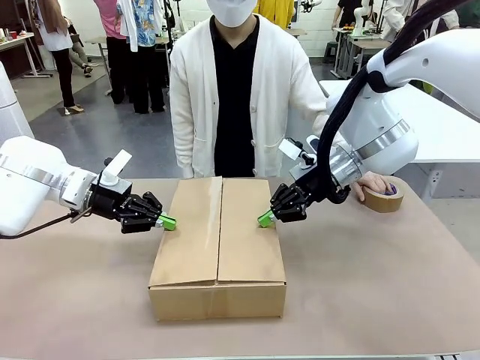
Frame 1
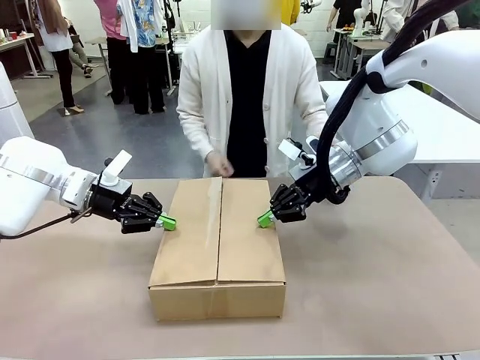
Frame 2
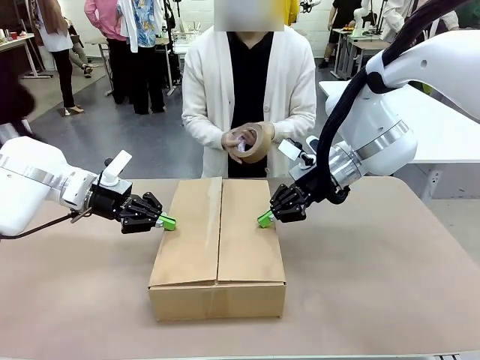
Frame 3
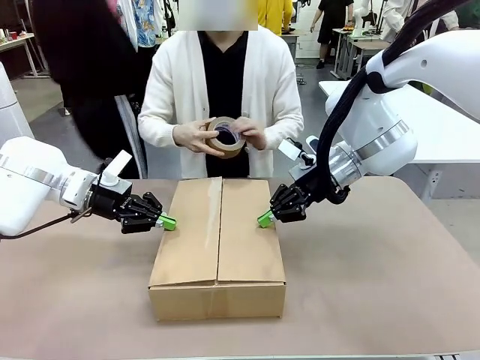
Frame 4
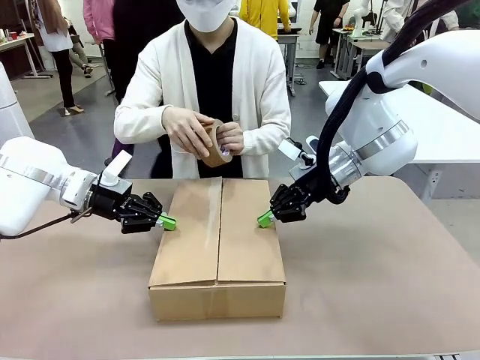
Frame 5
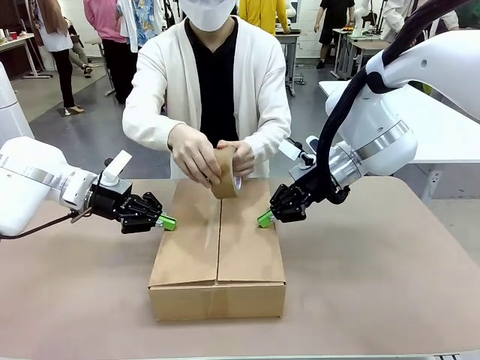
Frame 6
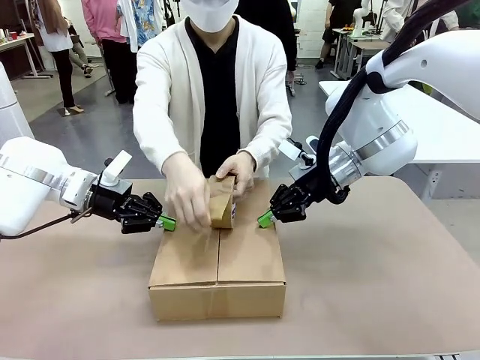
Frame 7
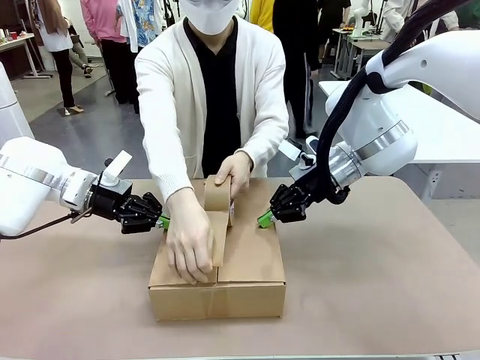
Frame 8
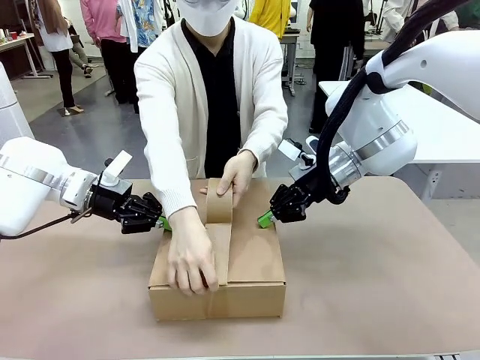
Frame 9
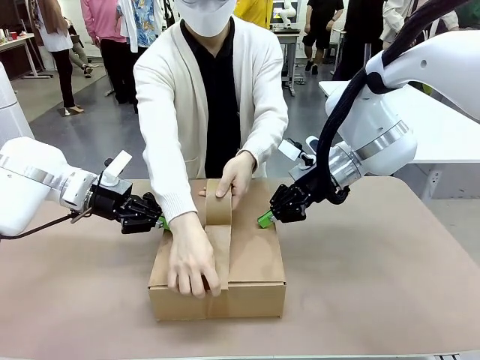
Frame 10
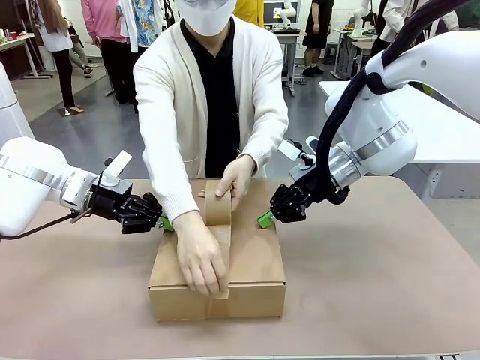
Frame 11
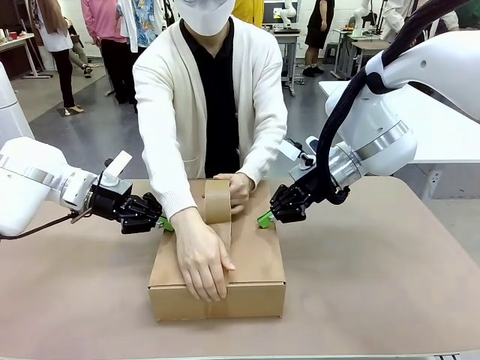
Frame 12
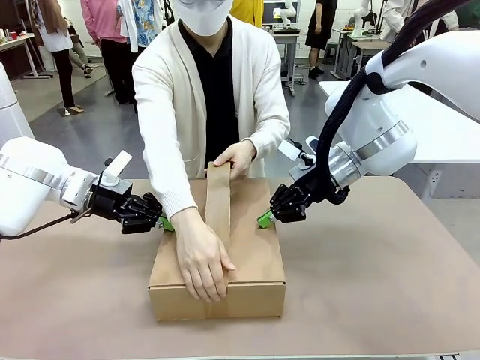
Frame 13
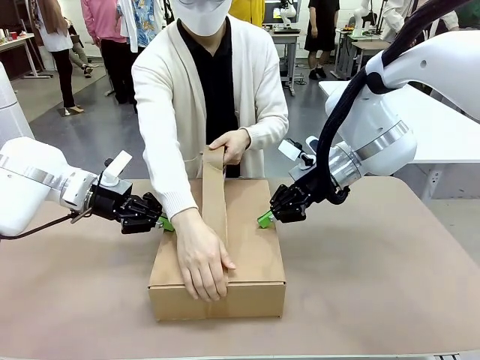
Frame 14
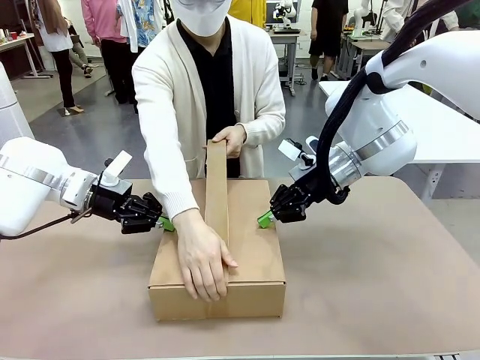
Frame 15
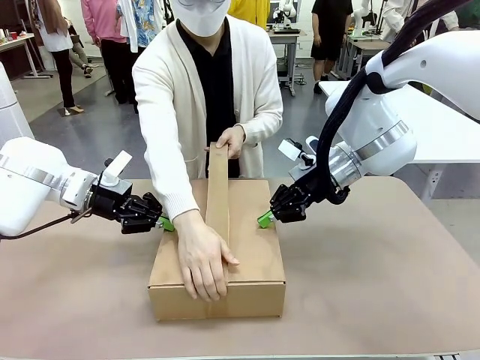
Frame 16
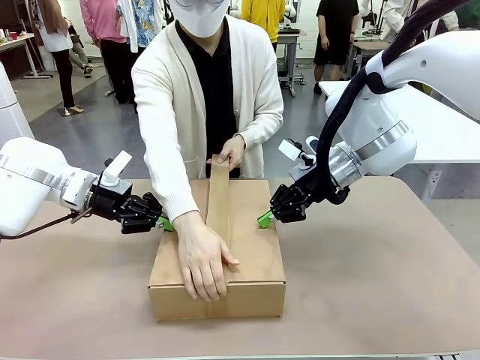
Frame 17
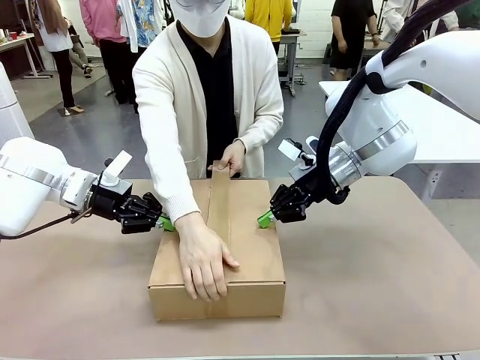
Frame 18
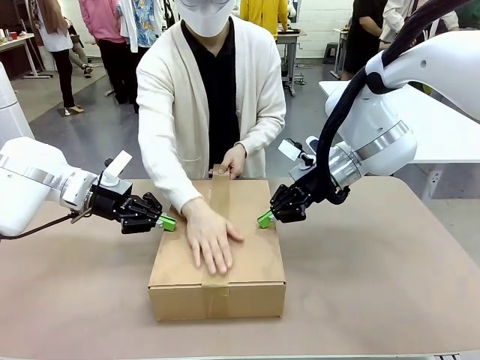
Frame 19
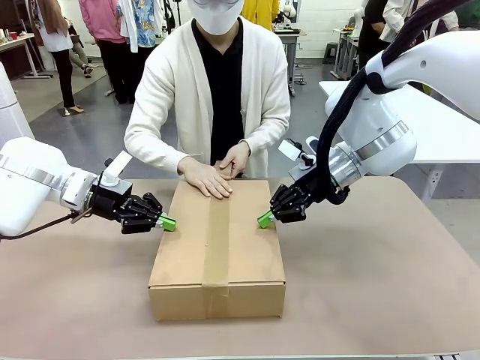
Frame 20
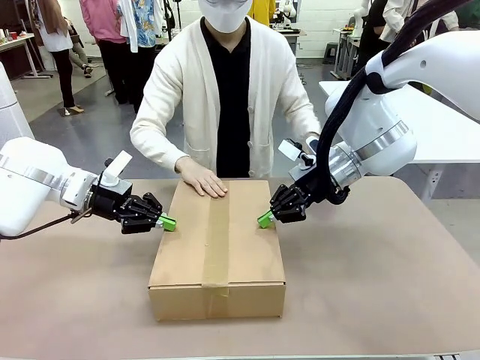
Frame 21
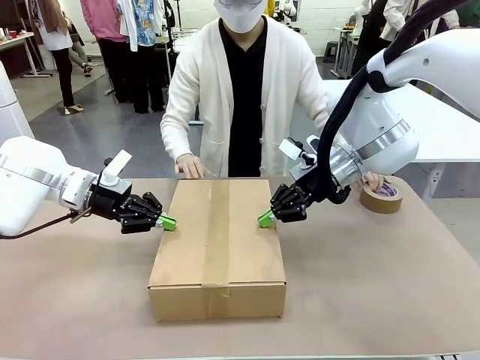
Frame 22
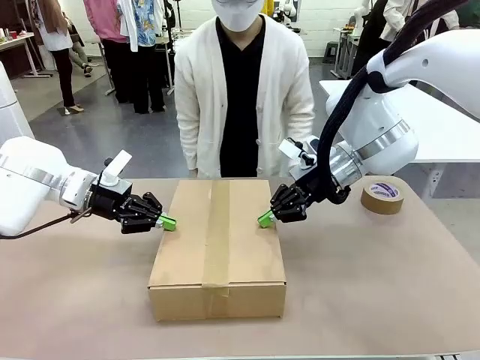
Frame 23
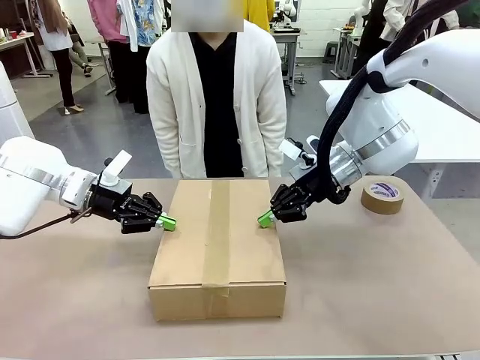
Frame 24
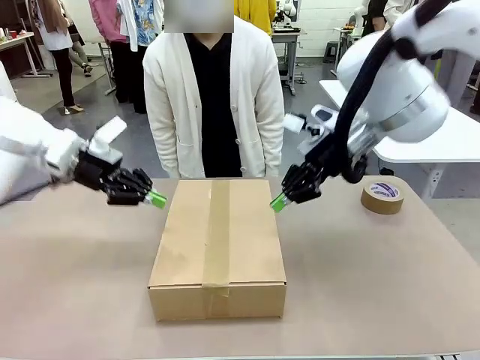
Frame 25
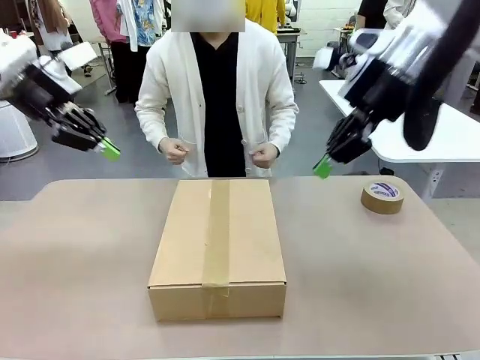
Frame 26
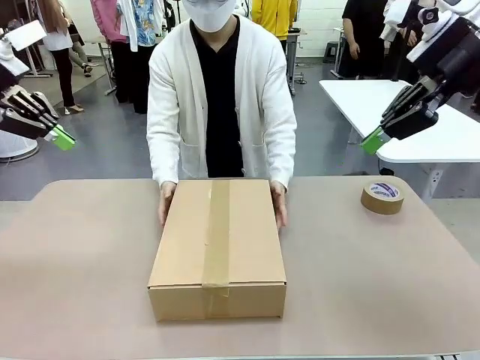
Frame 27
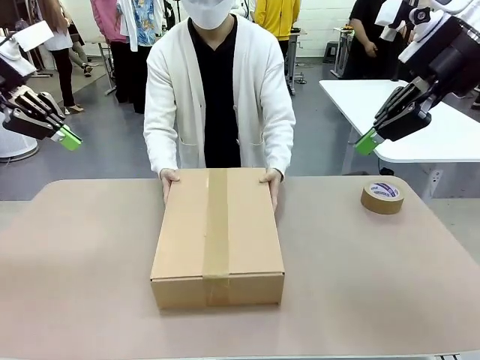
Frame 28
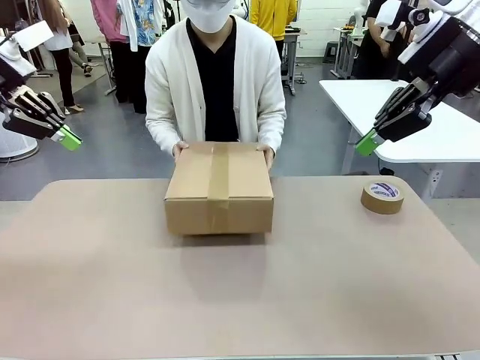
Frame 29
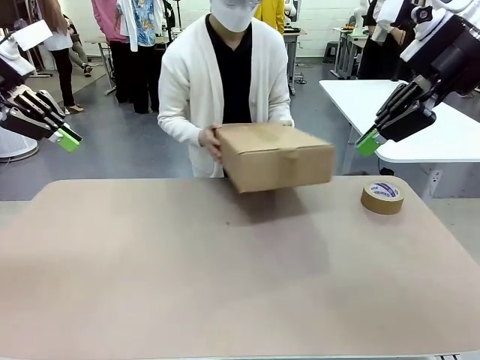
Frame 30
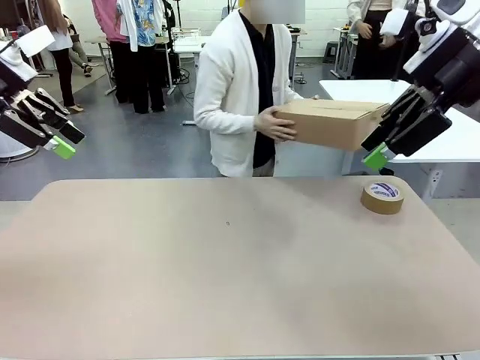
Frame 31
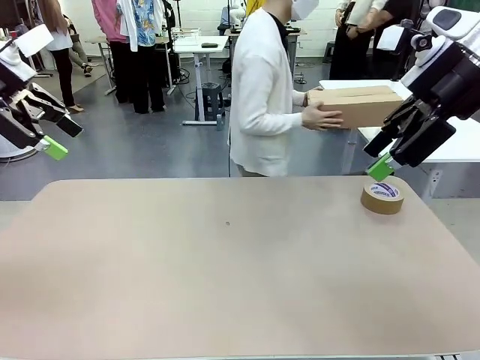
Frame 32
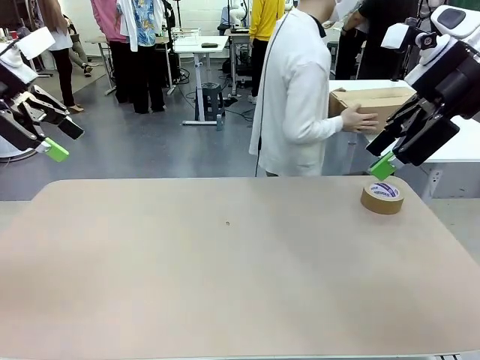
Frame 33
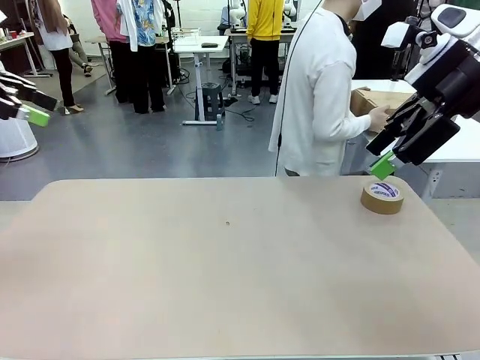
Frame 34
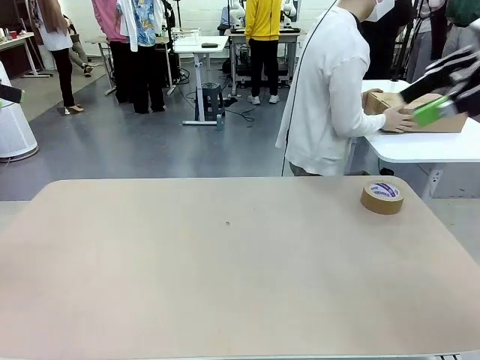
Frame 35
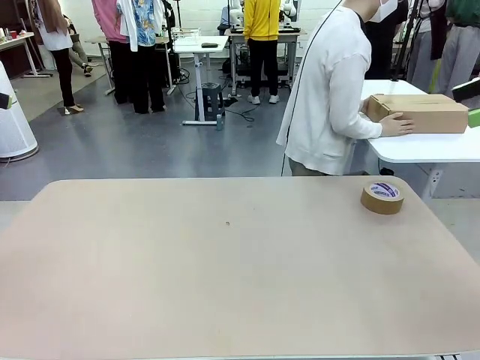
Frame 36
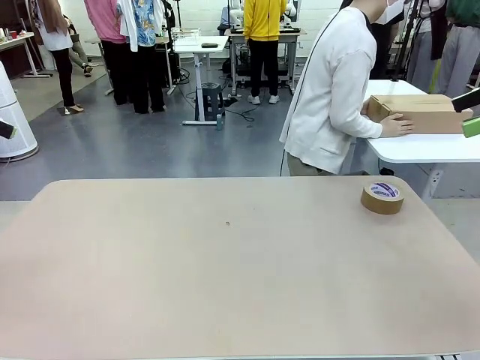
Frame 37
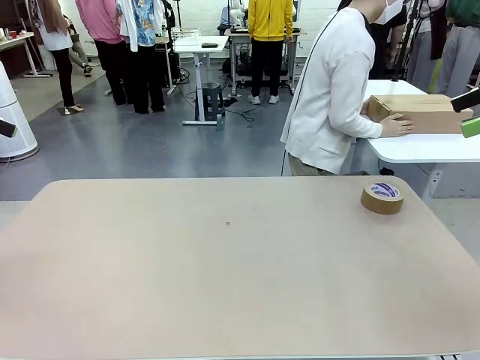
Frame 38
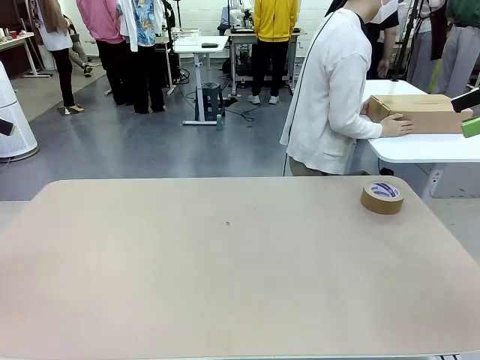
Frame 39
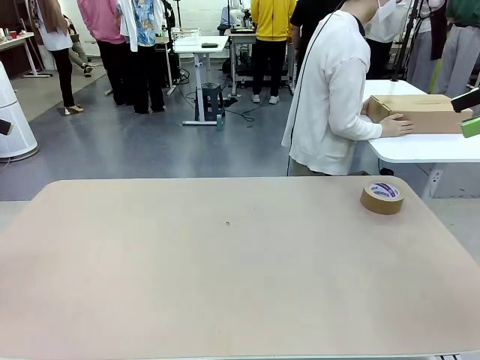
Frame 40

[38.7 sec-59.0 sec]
Task: Wrap the clocks to prevent damage.
Robot: After the human seals the box with tape, release both hands from the side flaps of the Package Box.
Person: Once the robot closes the left flap of the Package Box , seal the box with Paper Tape. Place sealed Package Box in the middle of the human's table.

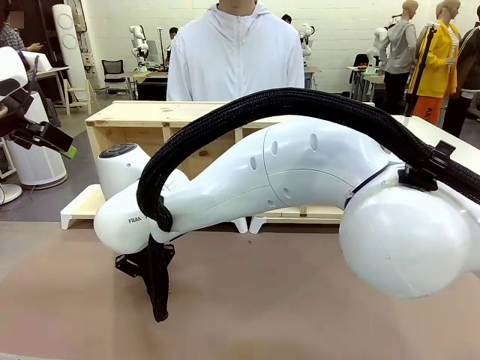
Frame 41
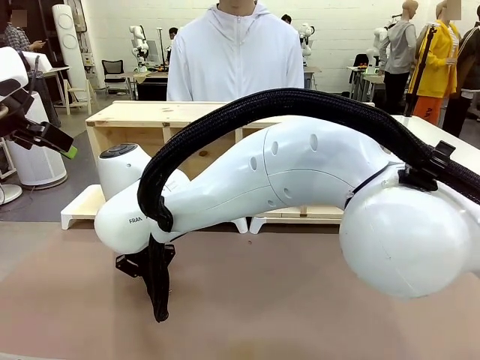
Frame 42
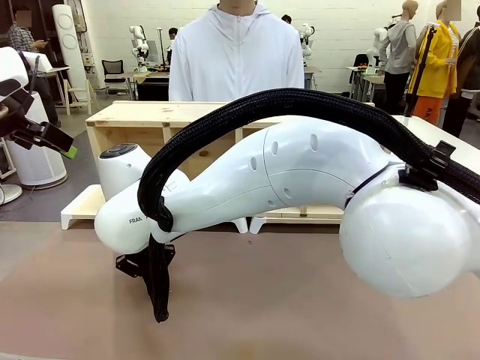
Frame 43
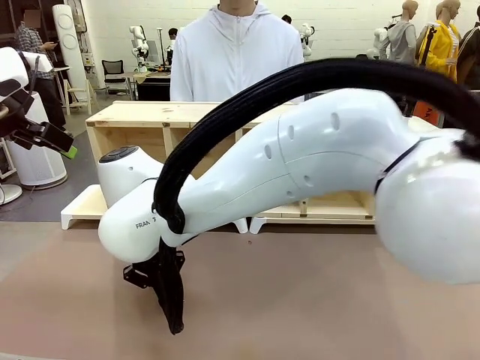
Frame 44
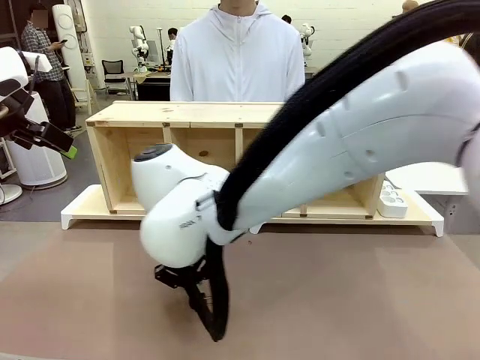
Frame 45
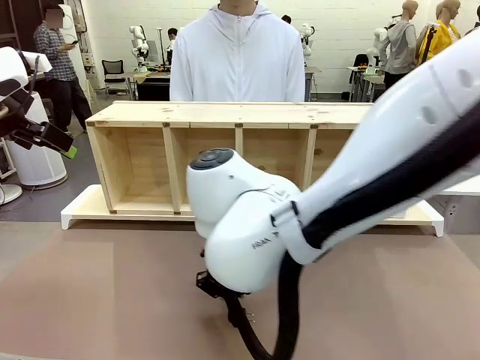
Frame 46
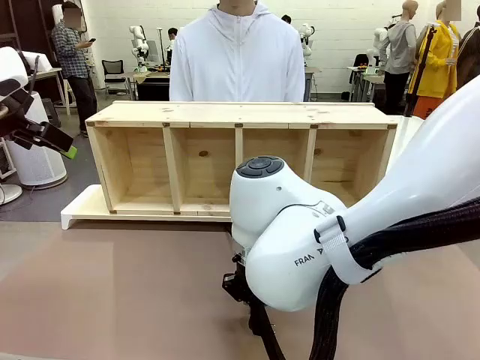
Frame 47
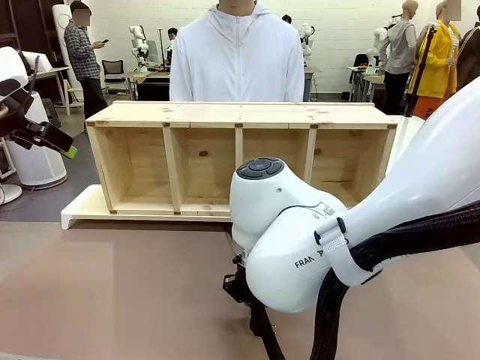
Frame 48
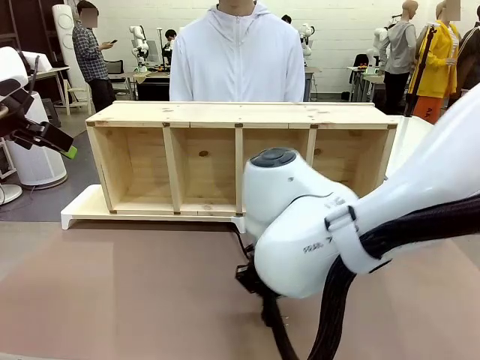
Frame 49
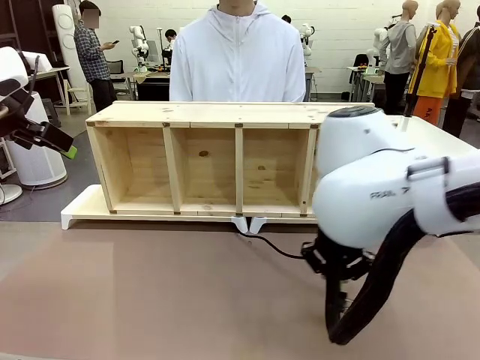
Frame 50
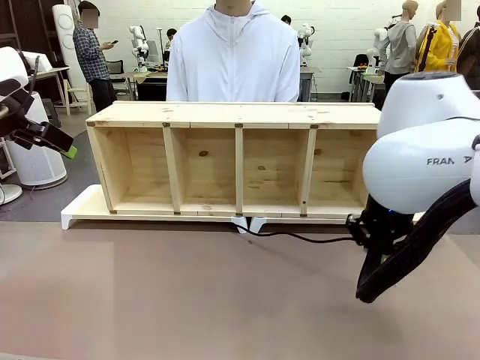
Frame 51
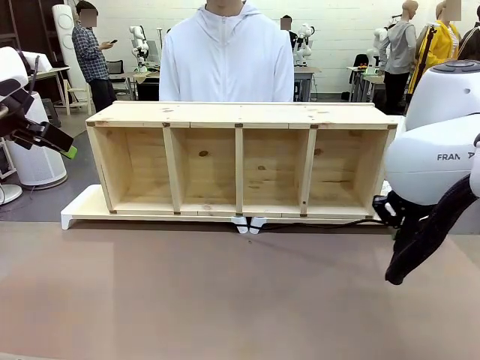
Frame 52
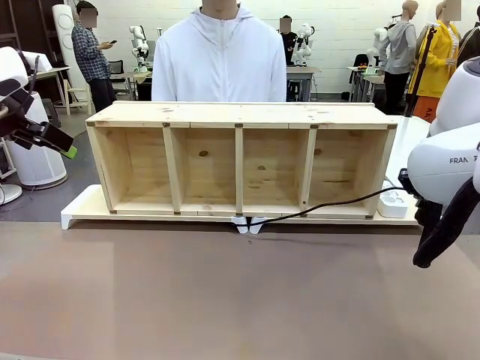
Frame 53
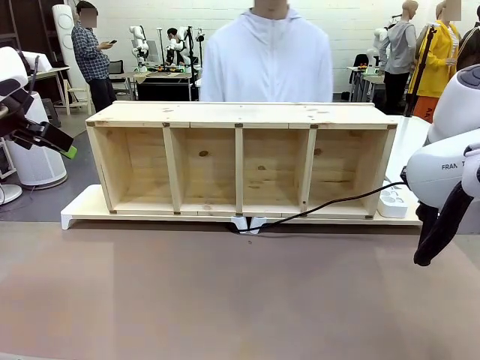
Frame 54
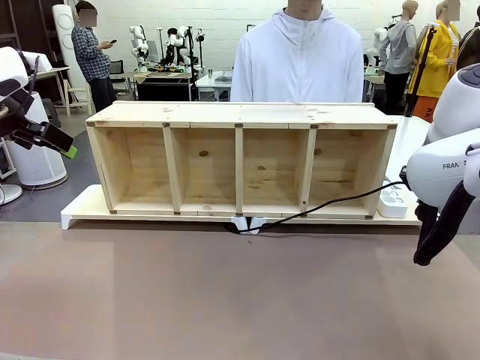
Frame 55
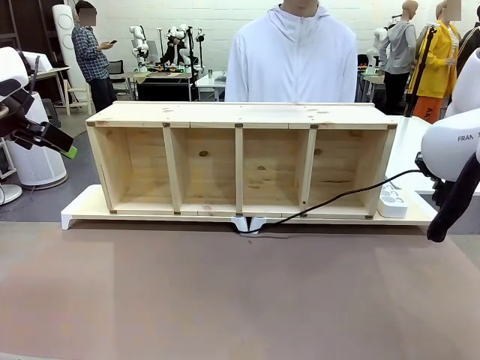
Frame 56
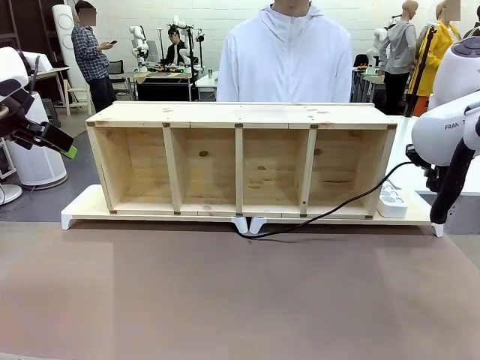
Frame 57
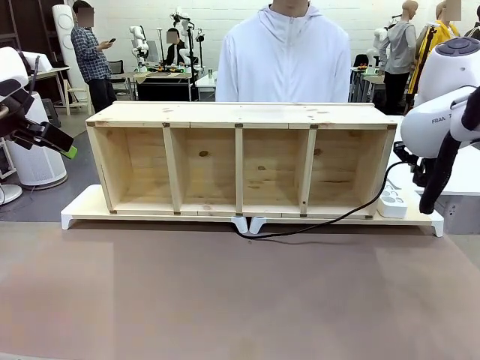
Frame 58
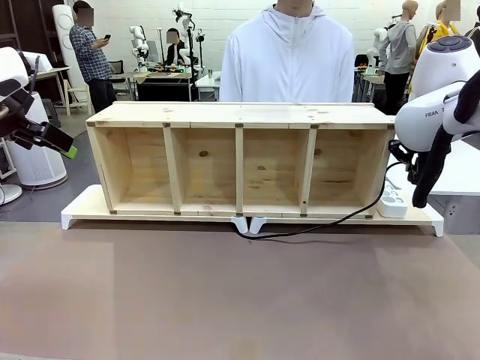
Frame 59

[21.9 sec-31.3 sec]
Task: Perform cable management.
Robot: Pull the grasped Power Cable to the location of the Power Strip.
